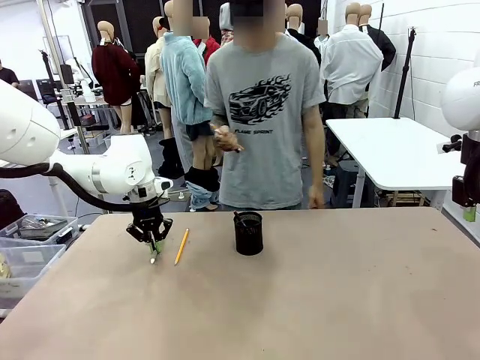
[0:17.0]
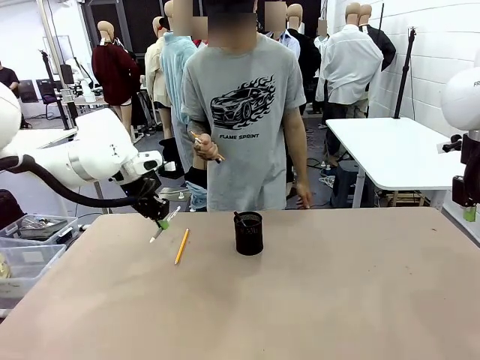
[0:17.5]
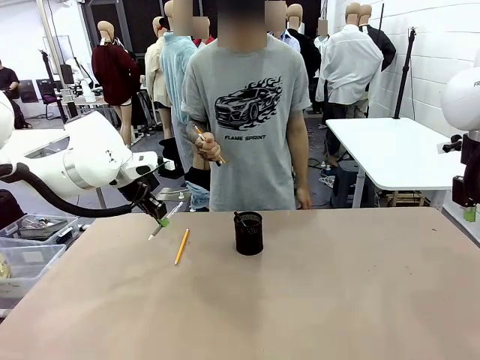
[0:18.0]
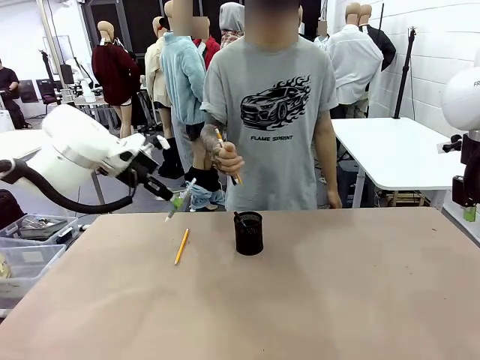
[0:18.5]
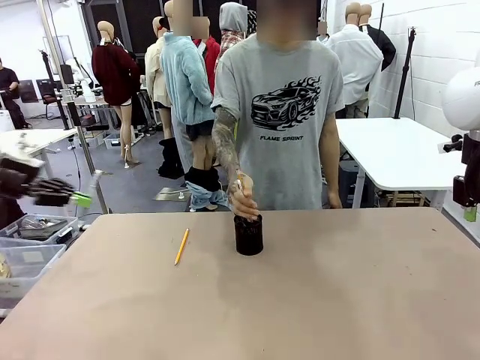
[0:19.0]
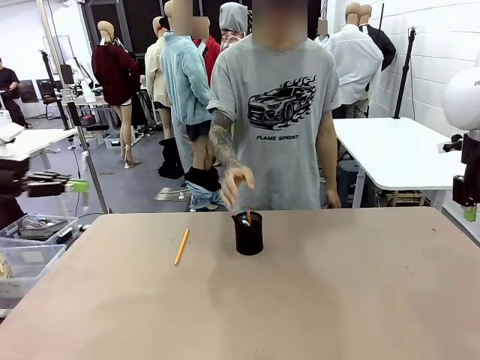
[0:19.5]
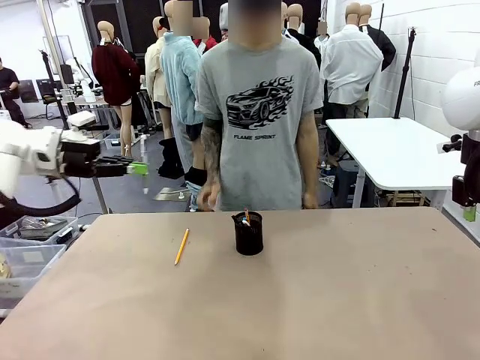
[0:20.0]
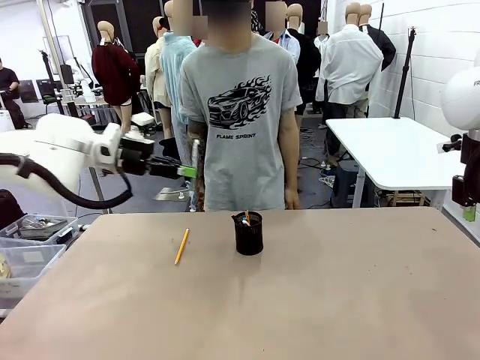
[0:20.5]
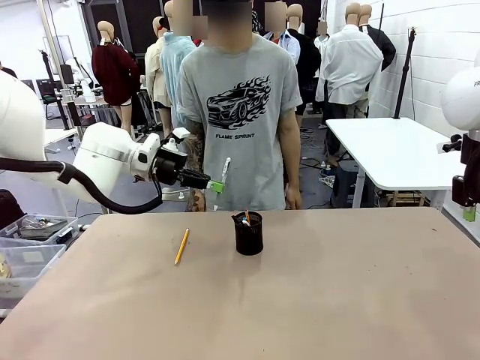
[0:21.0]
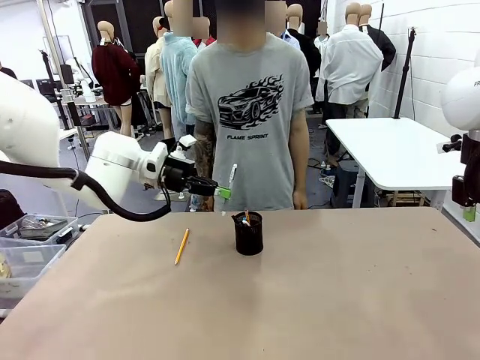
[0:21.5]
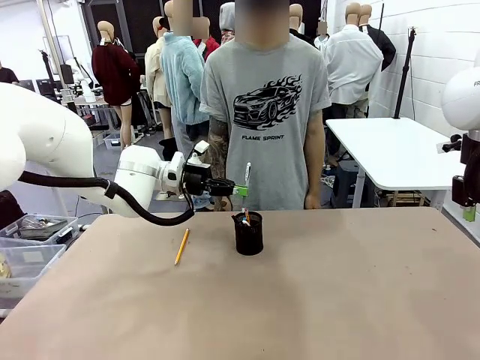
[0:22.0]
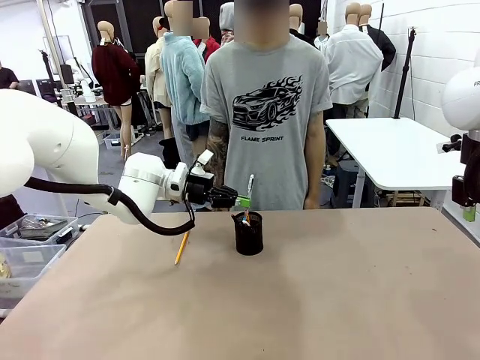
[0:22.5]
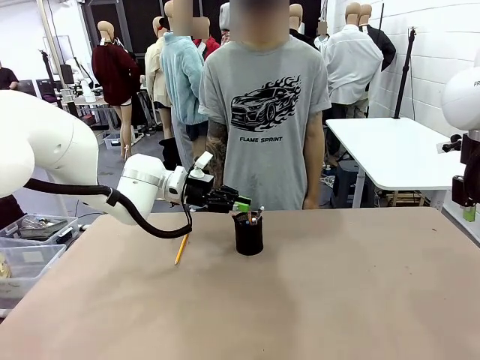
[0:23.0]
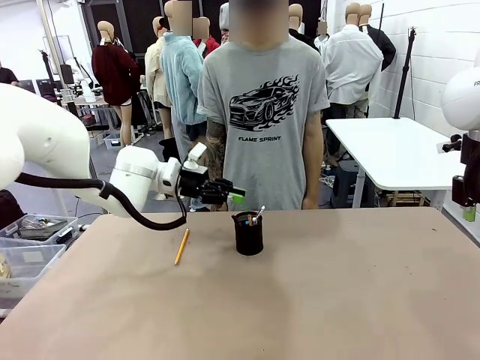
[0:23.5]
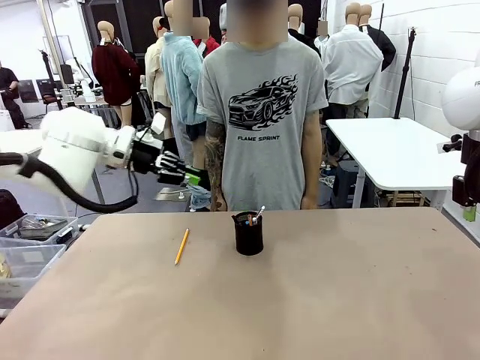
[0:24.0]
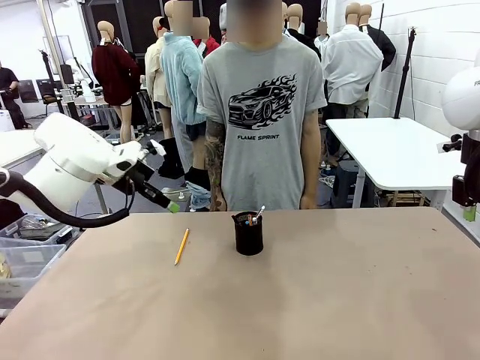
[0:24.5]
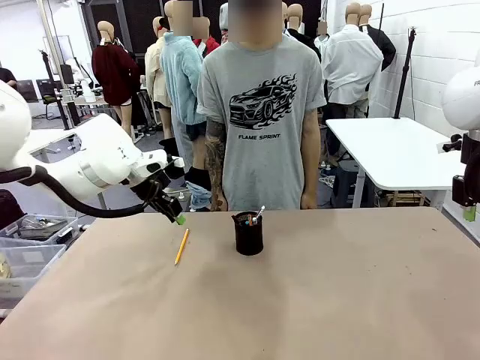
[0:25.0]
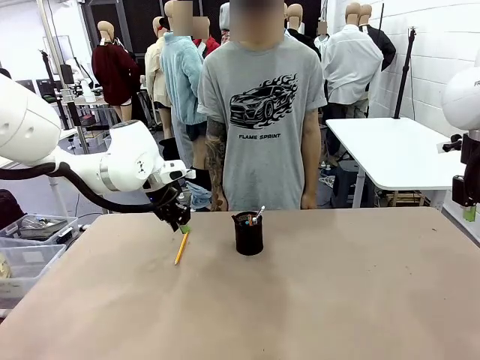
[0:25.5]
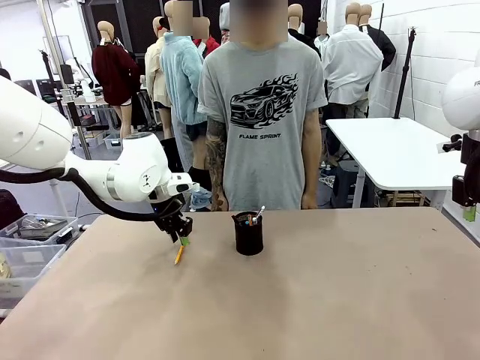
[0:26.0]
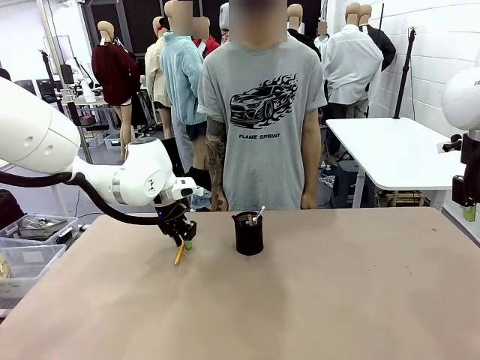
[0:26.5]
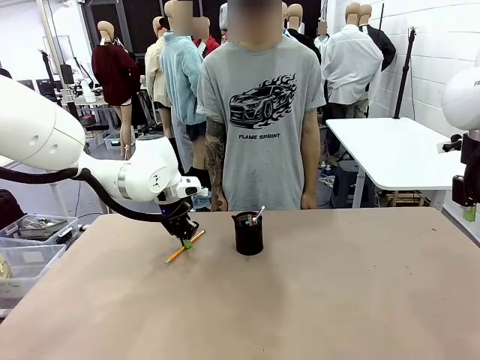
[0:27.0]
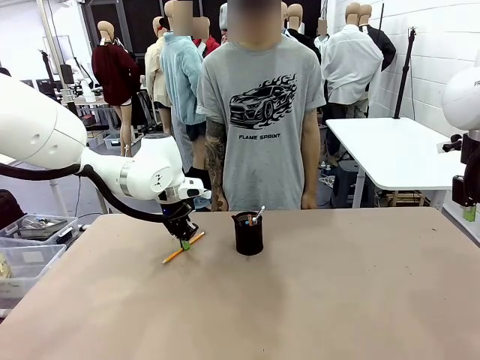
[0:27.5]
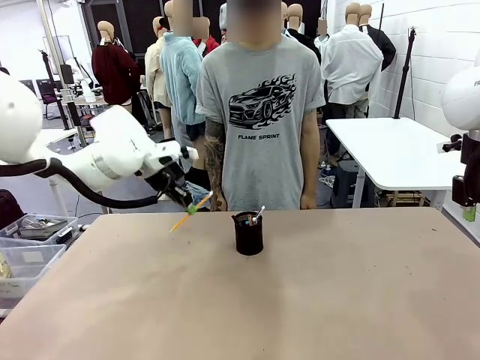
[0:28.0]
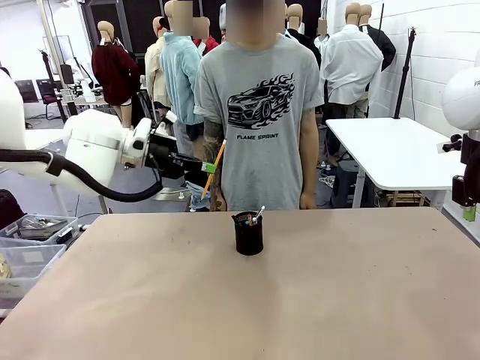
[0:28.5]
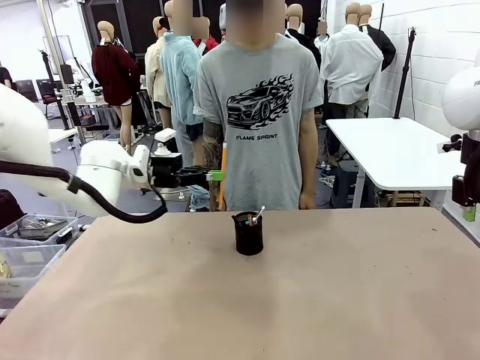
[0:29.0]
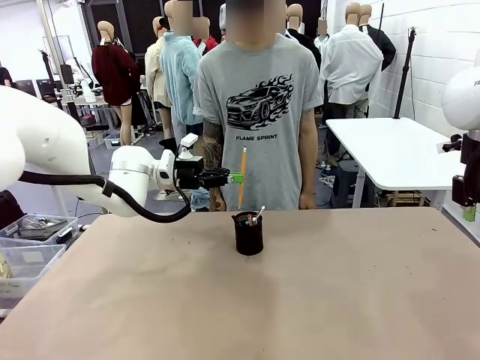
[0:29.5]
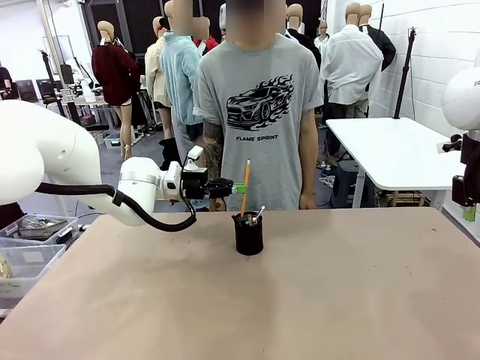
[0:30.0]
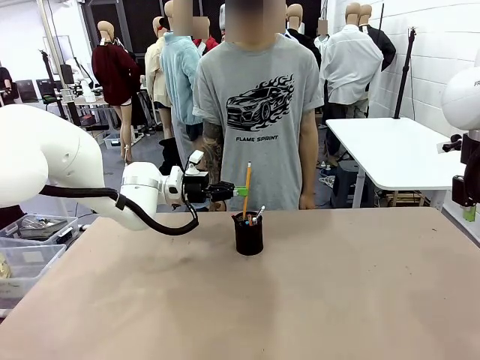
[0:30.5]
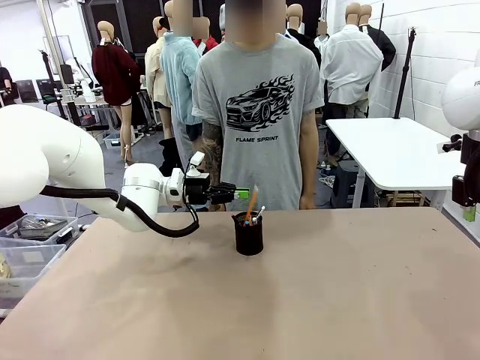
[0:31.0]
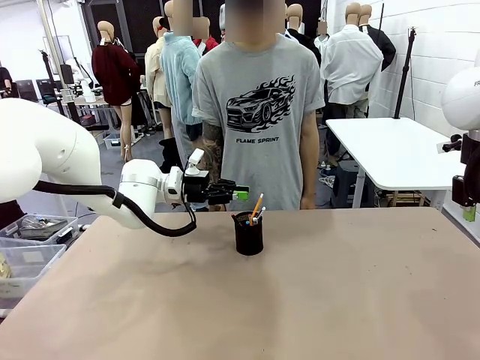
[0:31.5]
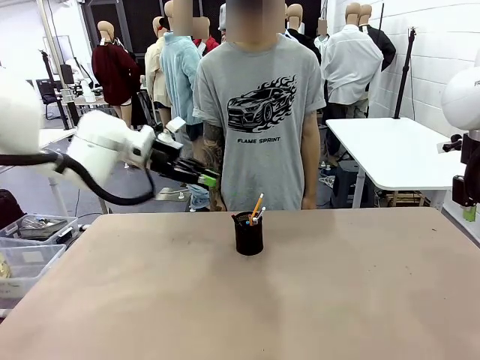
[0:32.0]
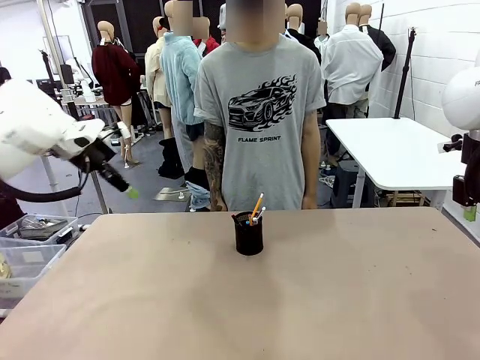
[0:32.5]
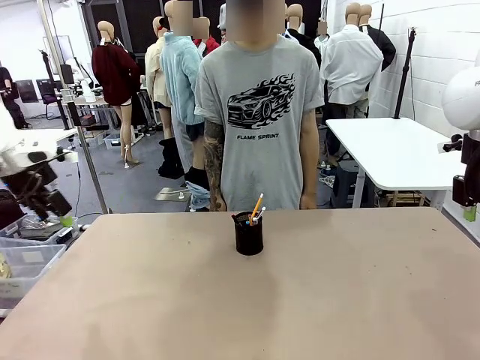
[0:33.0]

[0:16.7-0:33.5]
Task: Place the pens into the pen holder.
Robot: Pick up a writing instrument from the table and place it into the Pen holder.
Person: Place all writing instrument into the Pen holder.

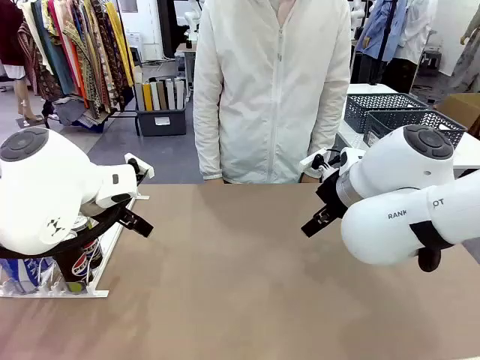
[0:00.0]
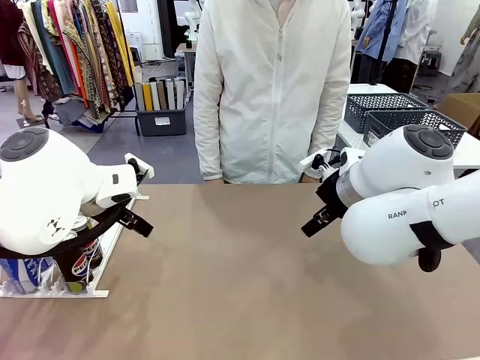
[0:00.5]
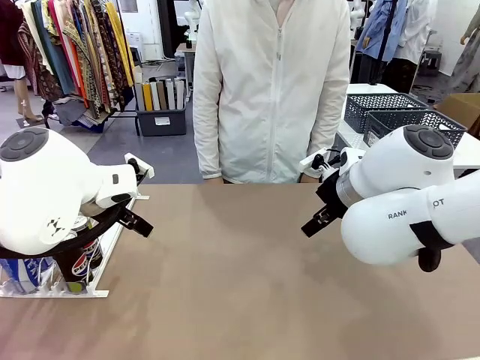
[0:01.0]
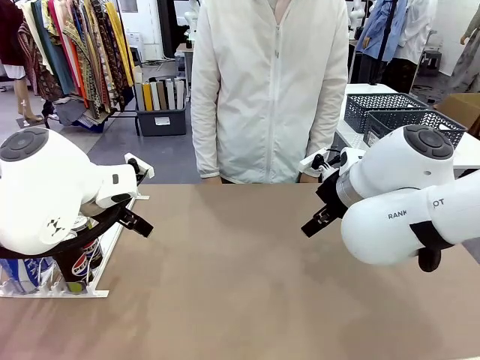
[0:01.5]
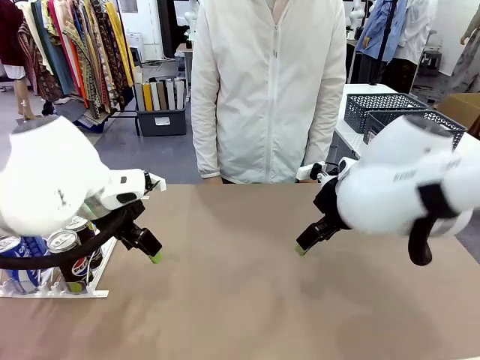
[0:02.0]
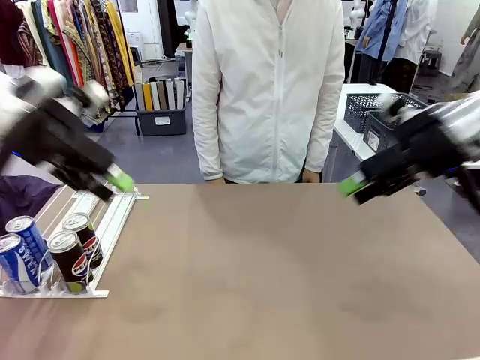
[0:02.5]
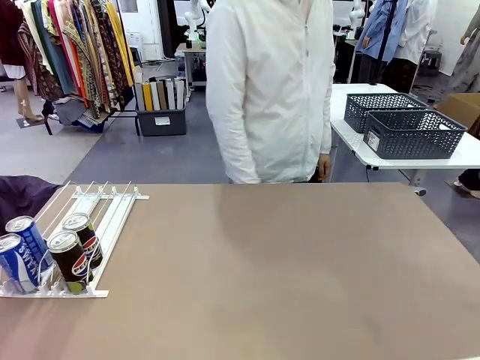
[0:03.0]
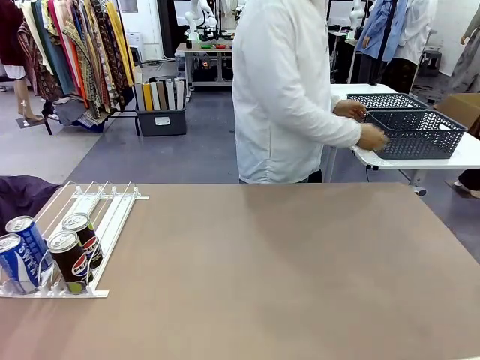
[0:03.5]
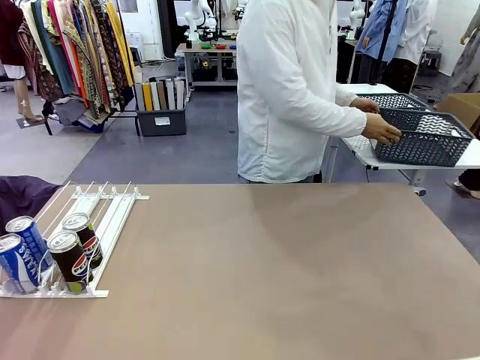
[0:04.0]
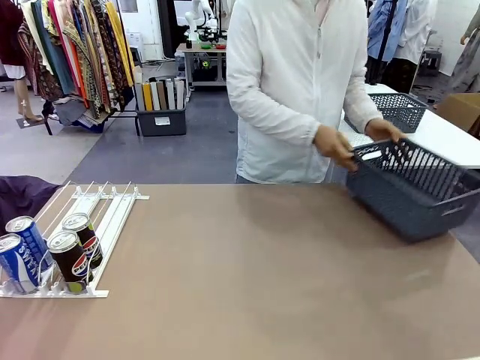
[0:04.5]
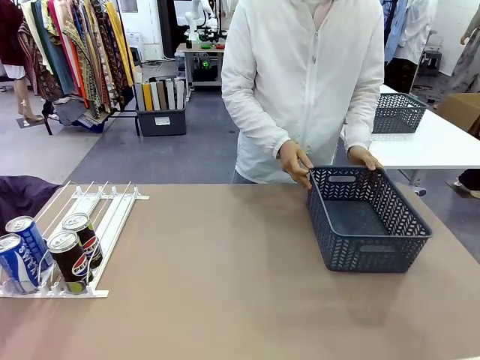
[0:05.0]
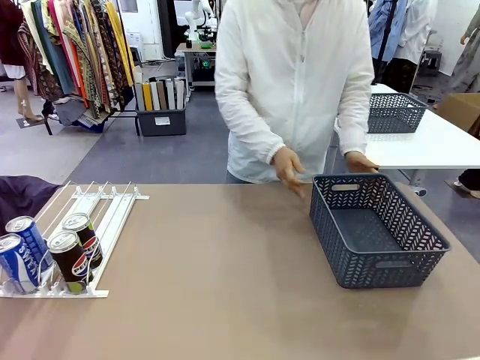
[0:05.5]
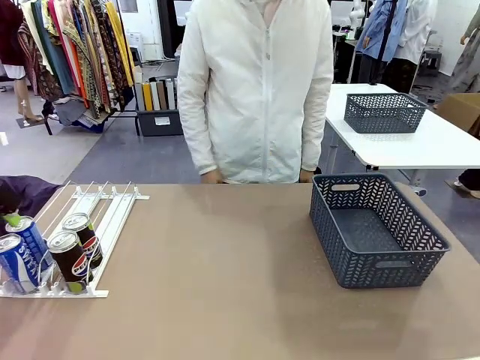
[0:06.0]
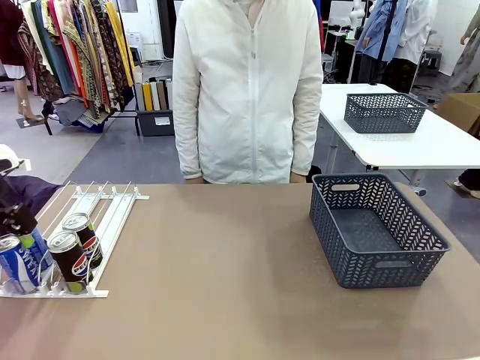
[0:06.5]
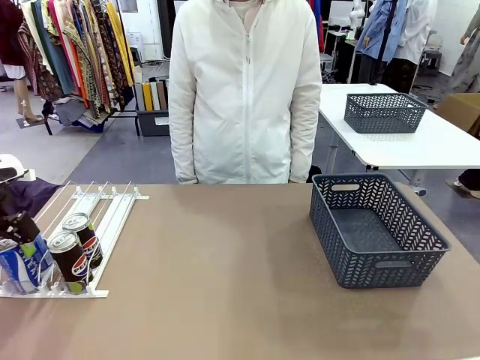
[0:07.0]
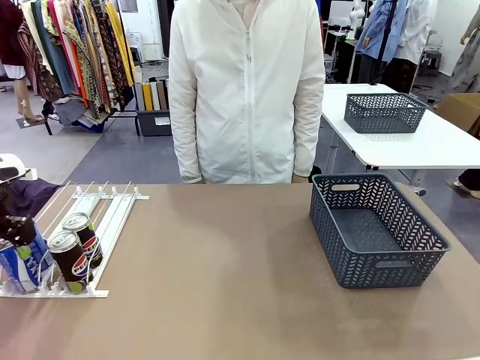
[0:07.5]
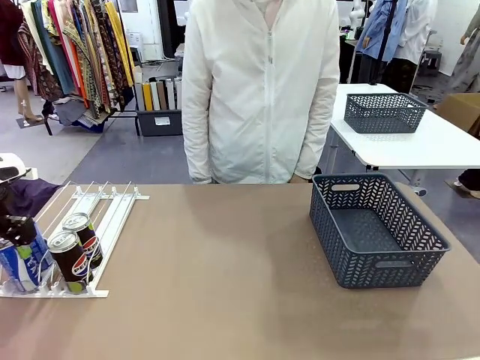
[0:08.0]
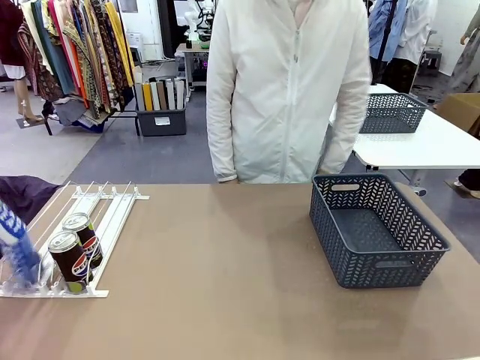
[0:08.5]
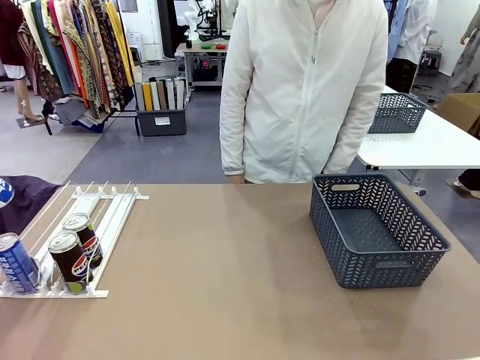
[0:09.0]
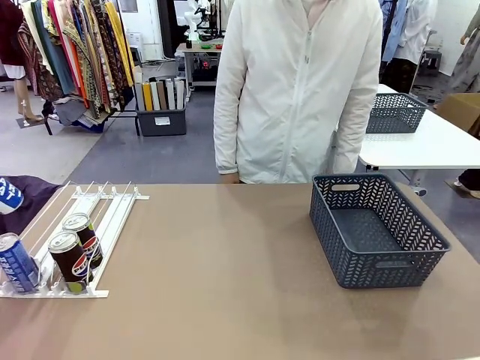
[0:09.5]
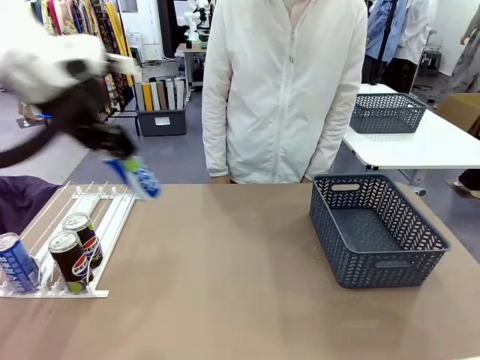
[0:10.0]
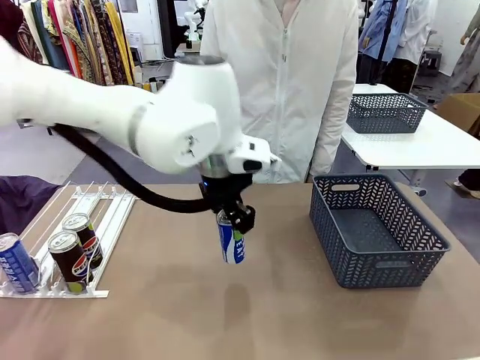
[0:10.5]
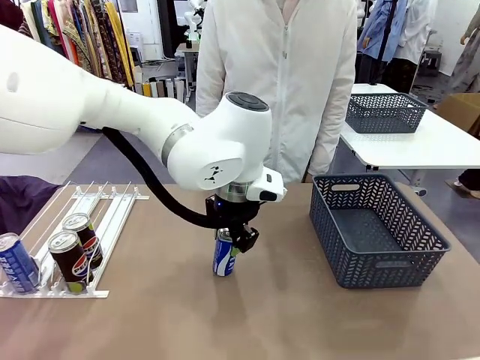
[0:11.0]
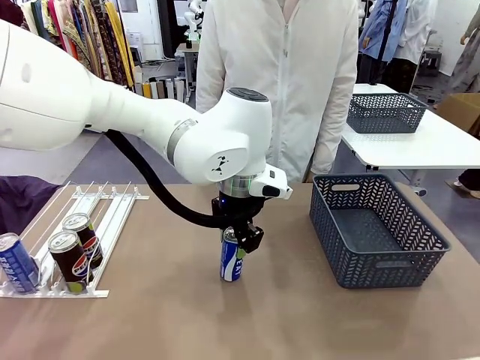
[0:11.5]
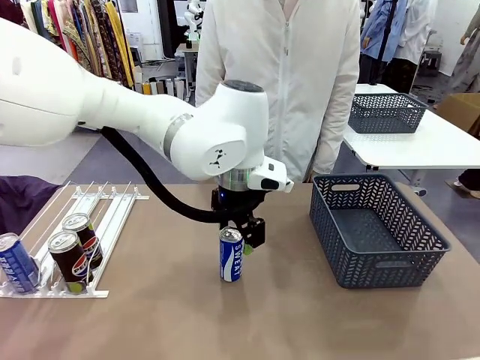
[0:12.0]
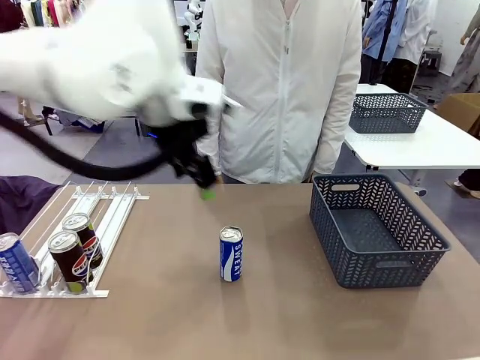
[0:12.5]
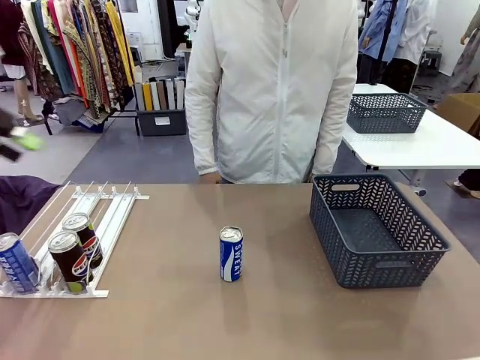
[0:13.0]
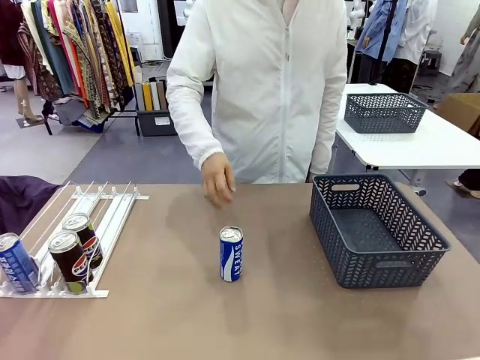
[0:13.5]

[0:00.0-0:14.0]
Task: Retrieve and store the cans from the dispenser.
Robot: Pick up one can from the Automatic Can Dispenser and place it in the middle of the table.
Person: Pick up the basket and place it on the left side of the robot table.
